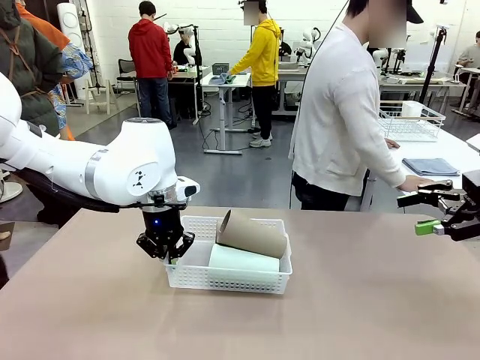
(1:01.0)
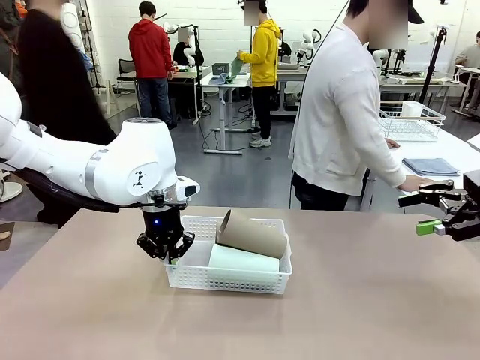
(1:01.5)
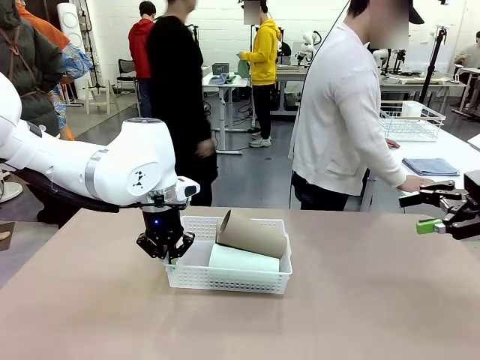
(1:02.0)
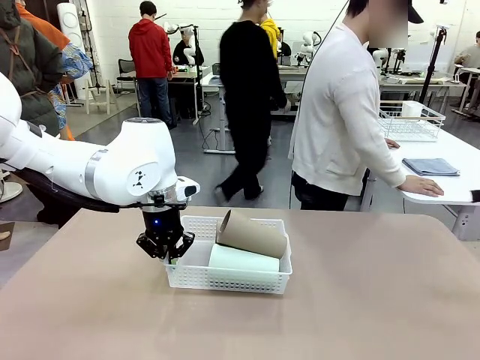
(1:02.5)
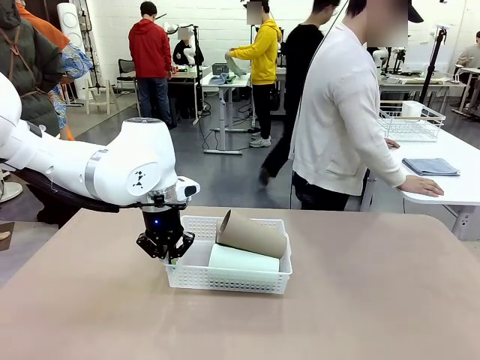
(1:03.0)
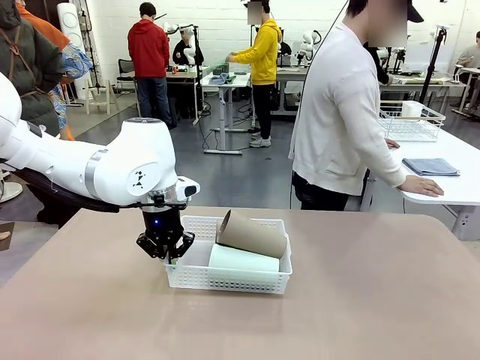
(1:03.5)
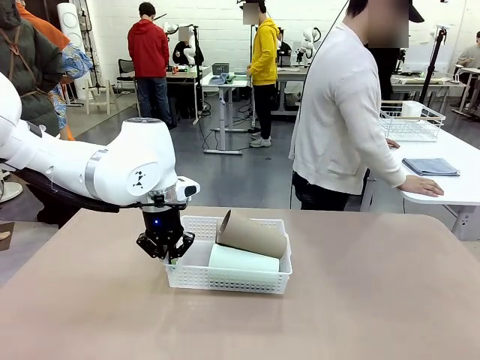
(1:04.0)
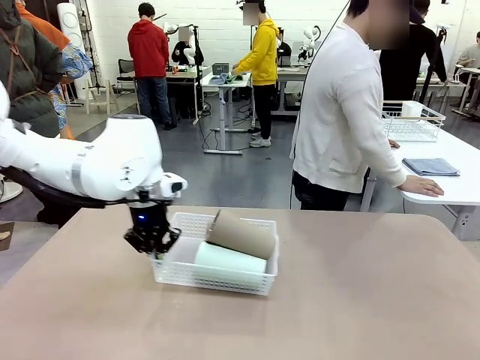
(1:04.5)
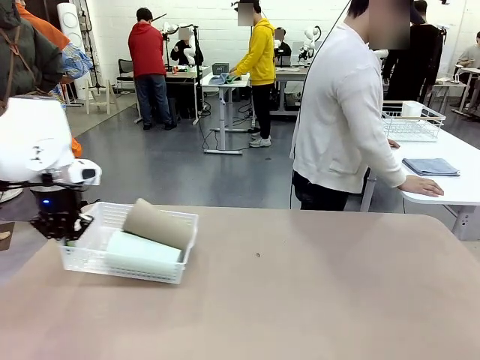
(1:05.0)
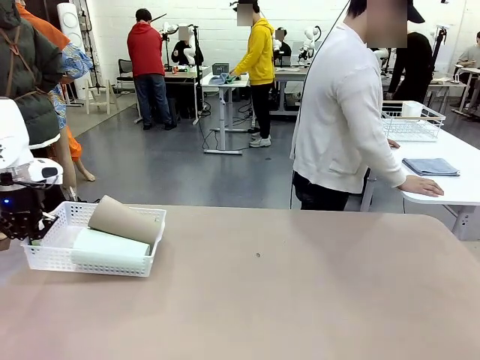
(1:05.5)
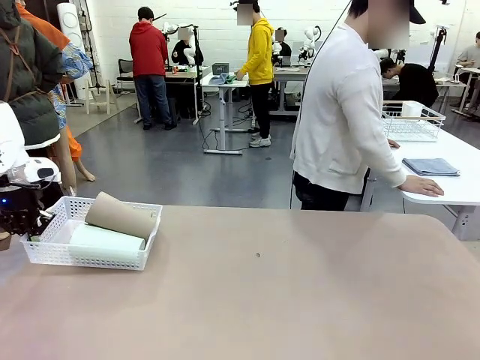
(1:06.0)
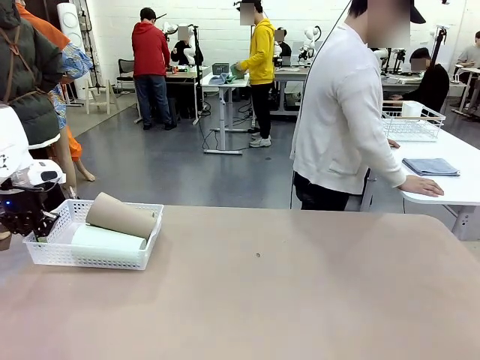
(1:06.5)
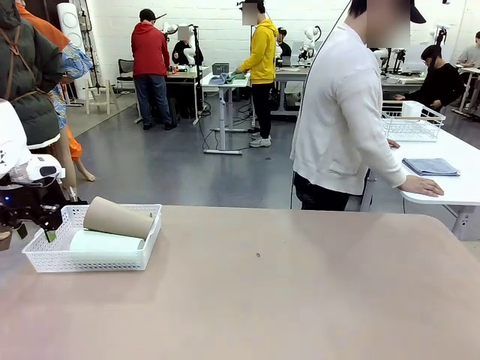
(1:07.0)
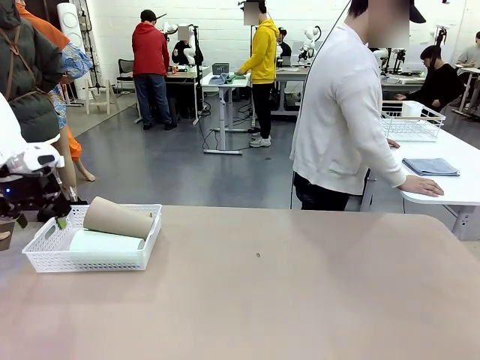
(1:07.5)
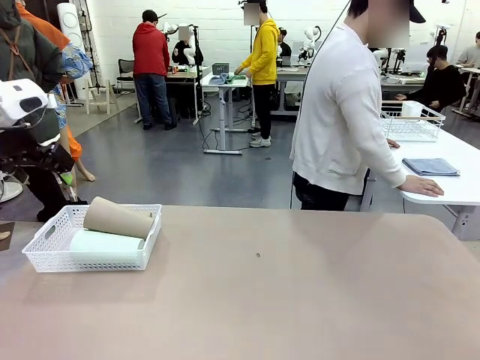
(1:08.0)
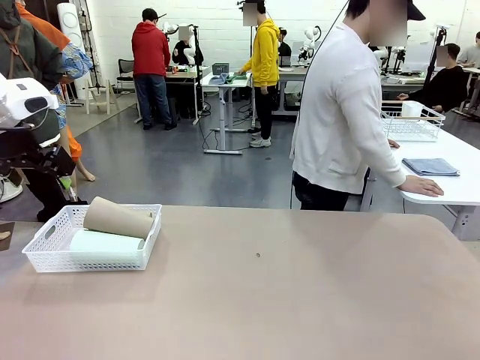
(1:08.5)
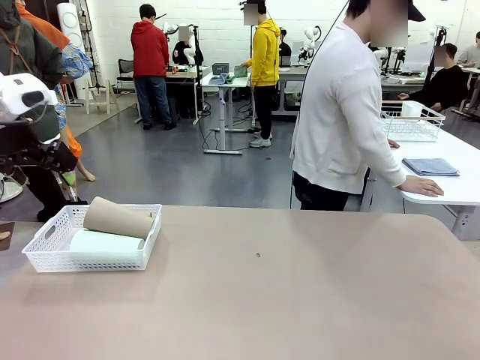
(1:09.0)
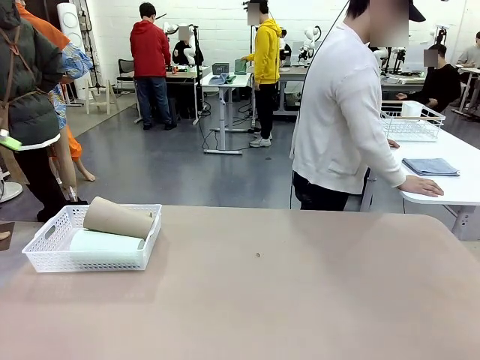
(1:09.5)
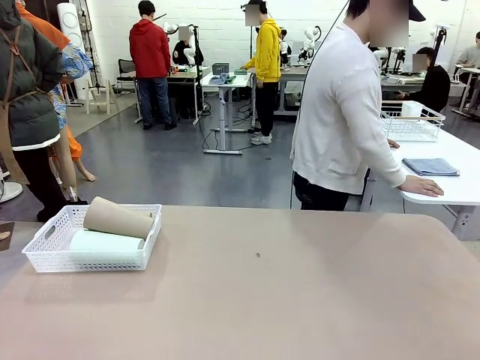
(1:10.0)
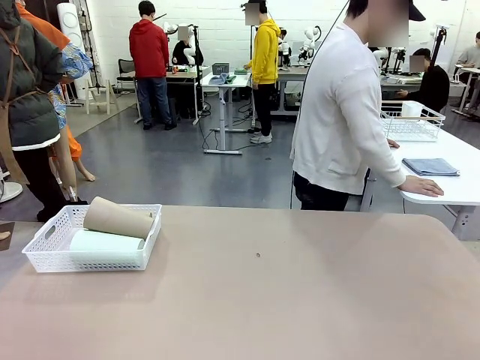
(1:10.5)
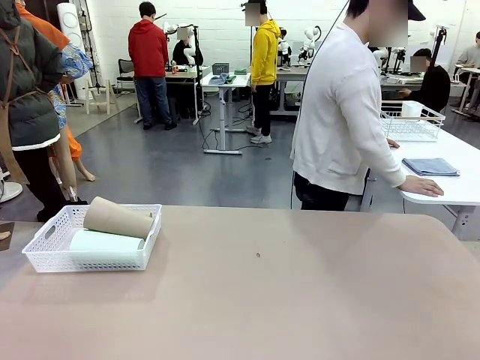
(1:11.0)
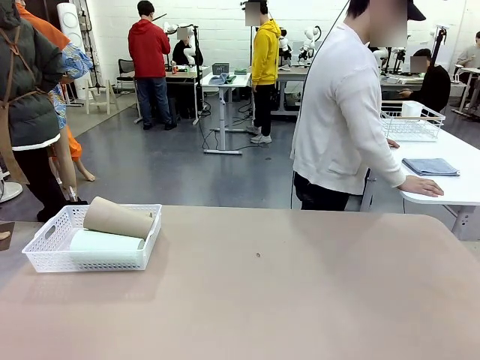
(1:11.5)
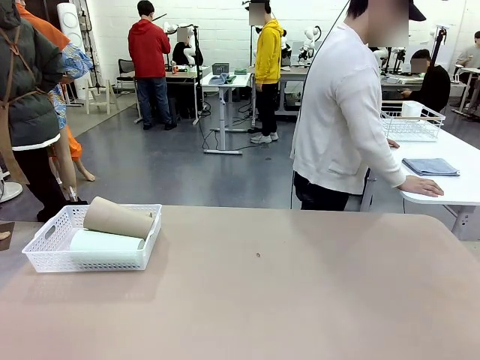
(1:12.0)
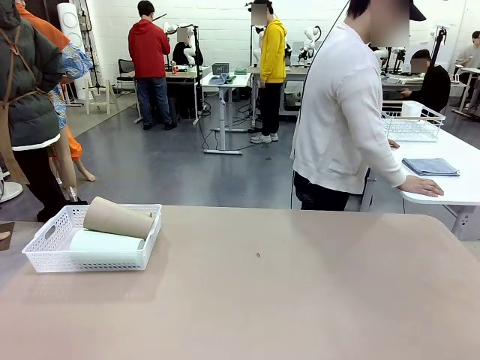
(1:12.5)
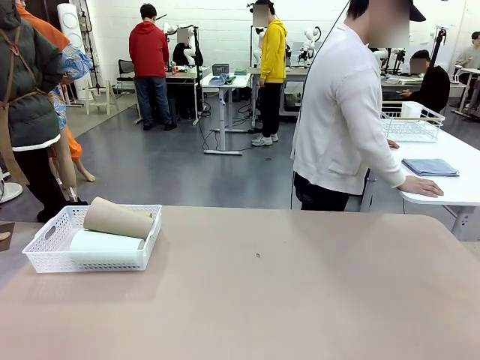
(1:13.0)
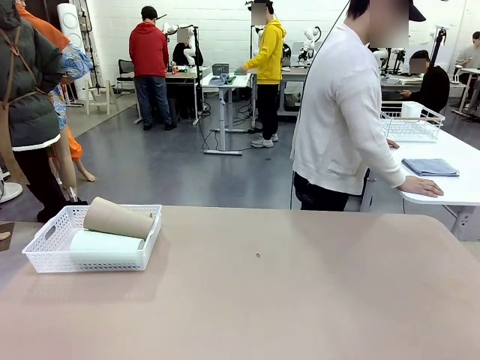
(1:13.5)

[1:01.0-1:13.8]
Task: Clean and organize the cups into the basket.
Robot: Move the Organizing basket back to the left side of the table.

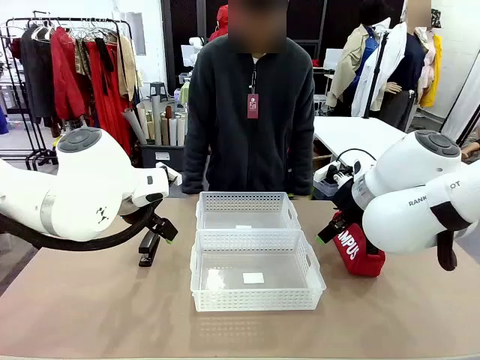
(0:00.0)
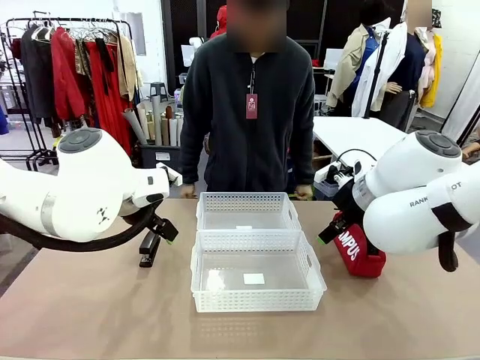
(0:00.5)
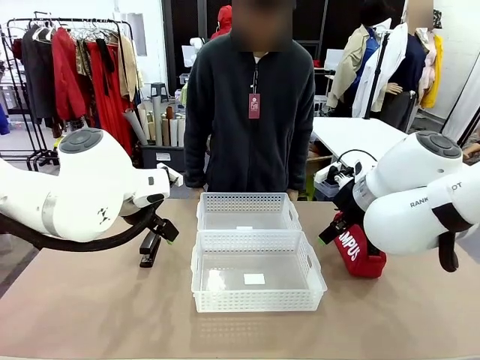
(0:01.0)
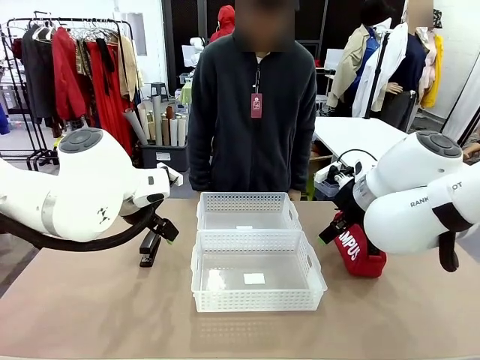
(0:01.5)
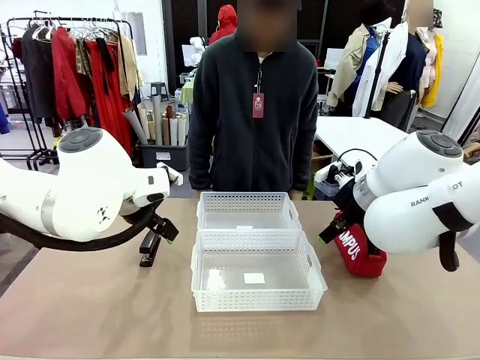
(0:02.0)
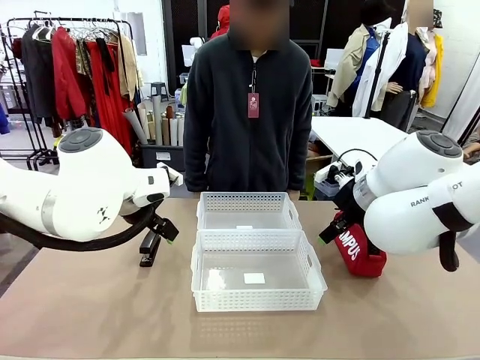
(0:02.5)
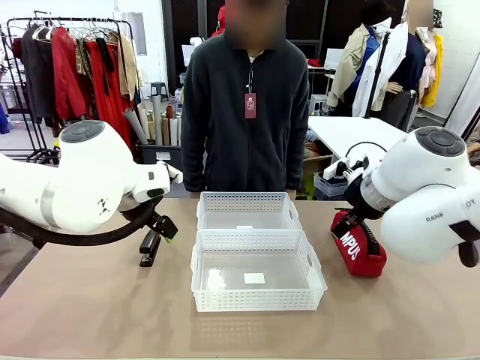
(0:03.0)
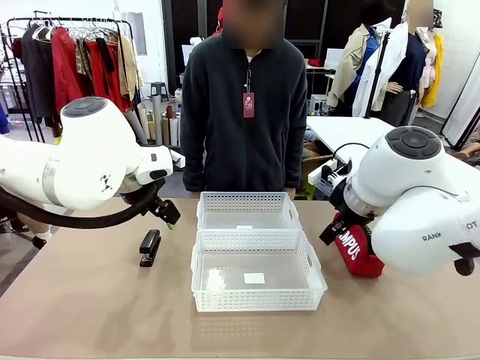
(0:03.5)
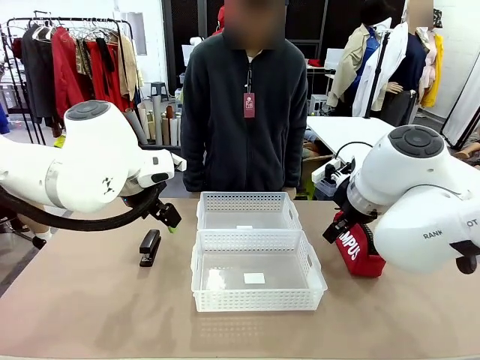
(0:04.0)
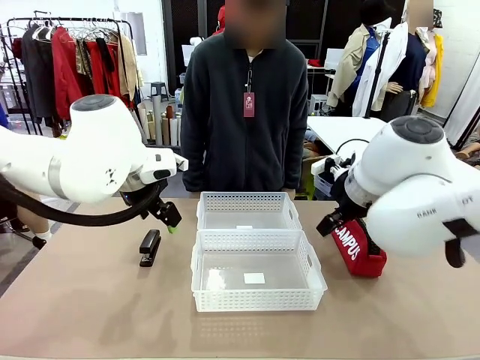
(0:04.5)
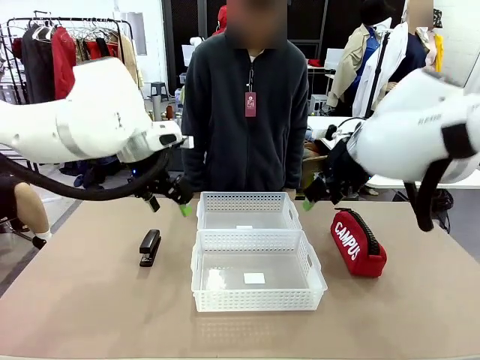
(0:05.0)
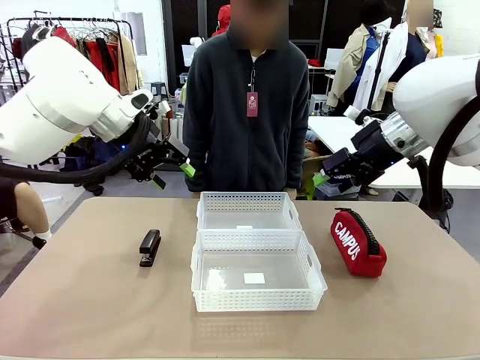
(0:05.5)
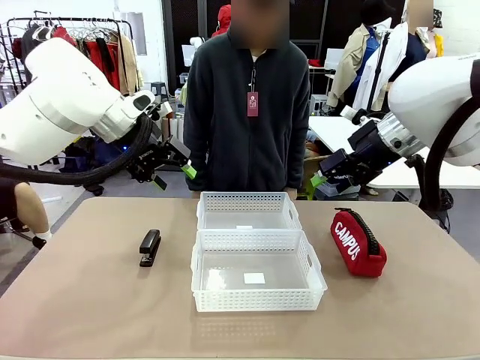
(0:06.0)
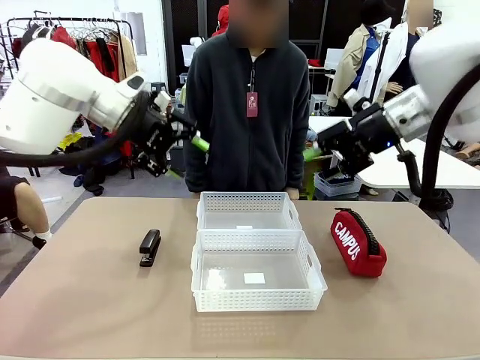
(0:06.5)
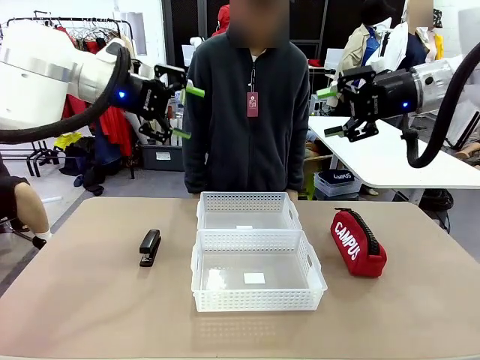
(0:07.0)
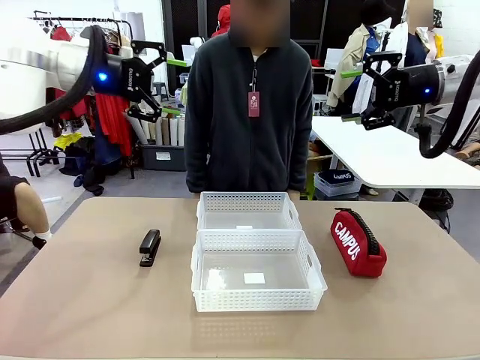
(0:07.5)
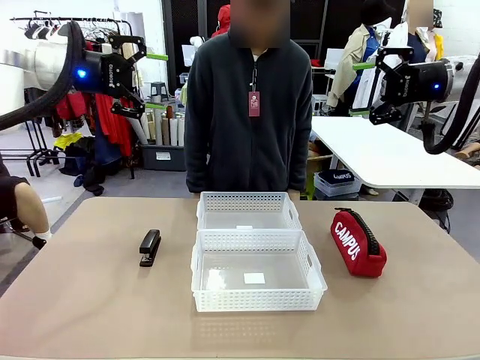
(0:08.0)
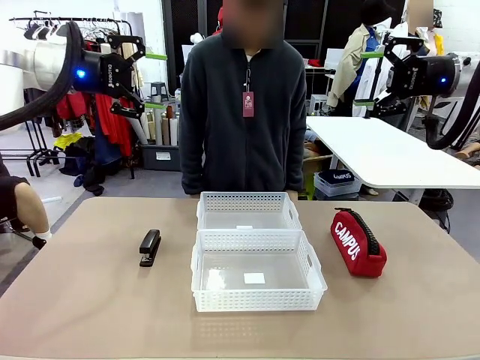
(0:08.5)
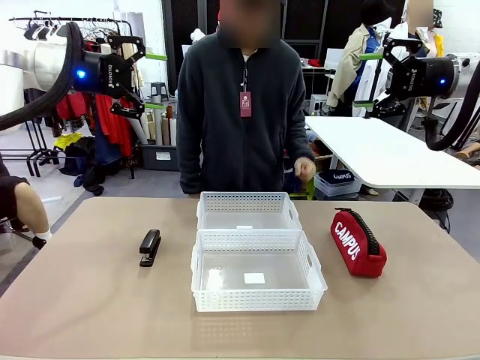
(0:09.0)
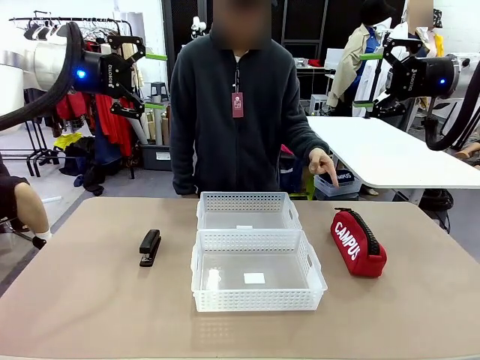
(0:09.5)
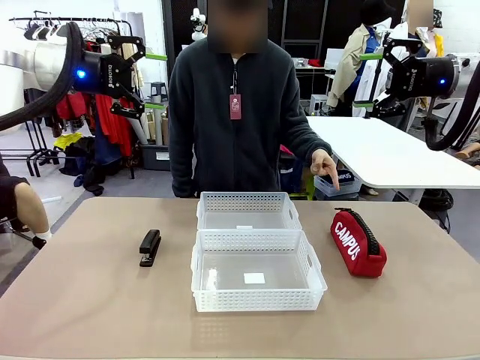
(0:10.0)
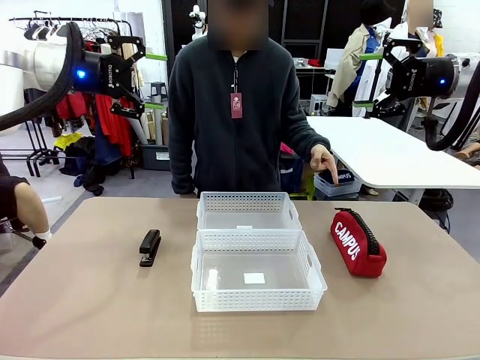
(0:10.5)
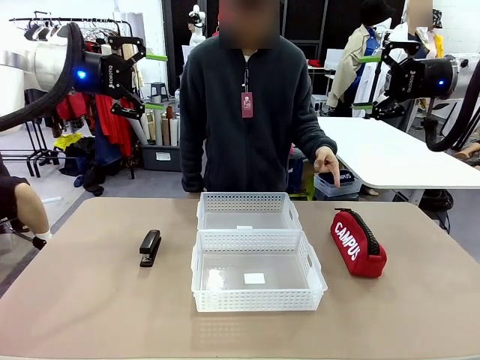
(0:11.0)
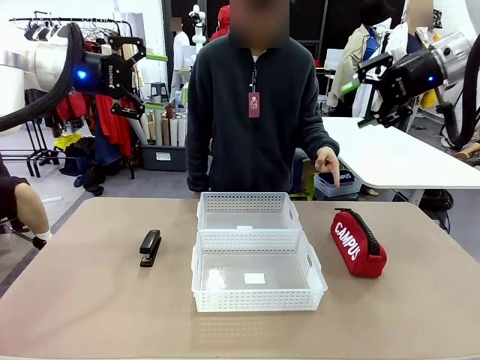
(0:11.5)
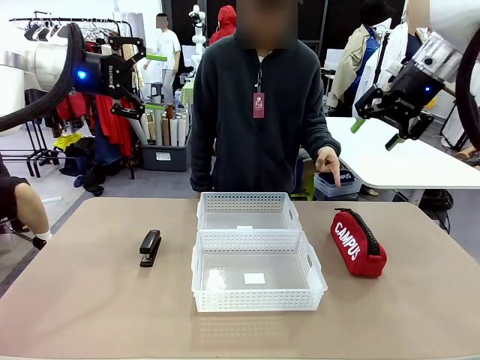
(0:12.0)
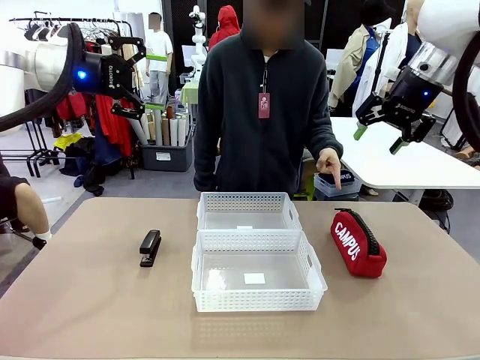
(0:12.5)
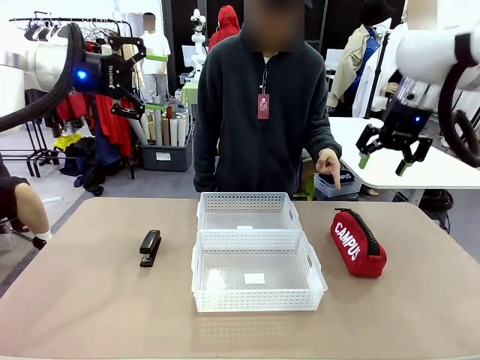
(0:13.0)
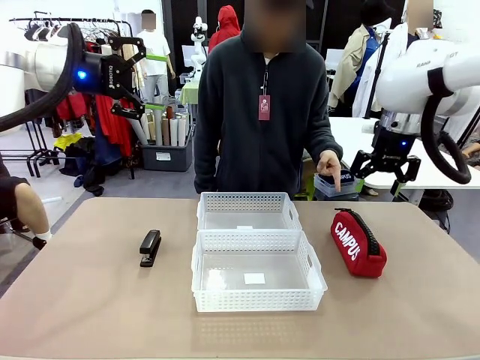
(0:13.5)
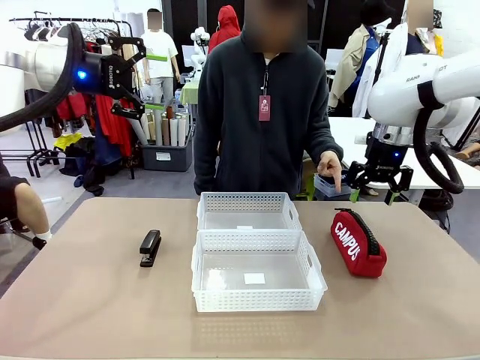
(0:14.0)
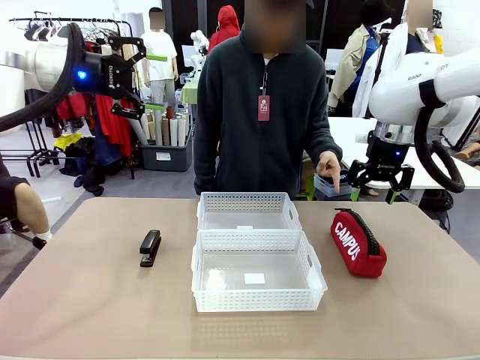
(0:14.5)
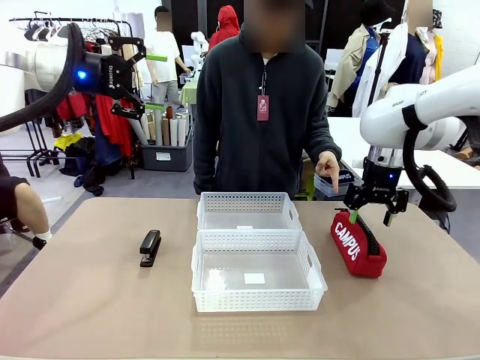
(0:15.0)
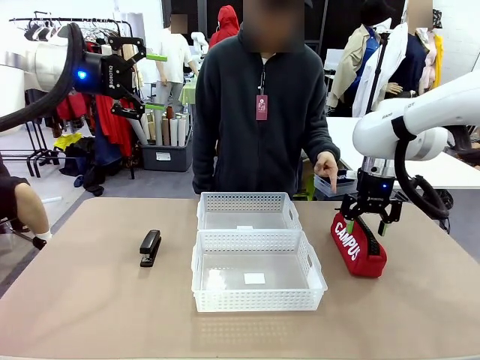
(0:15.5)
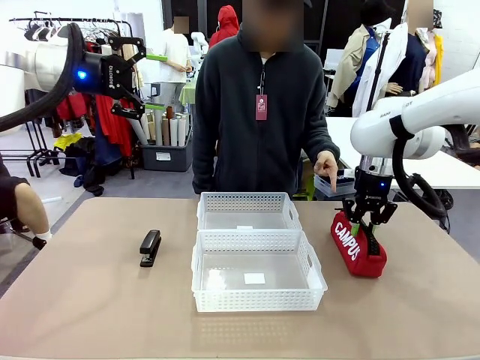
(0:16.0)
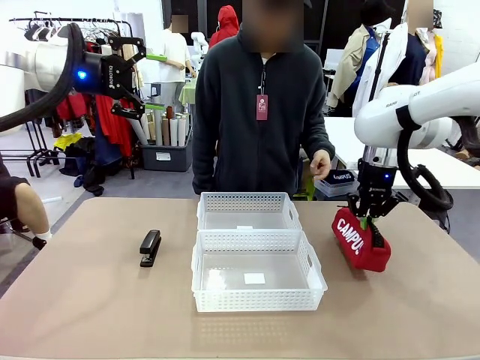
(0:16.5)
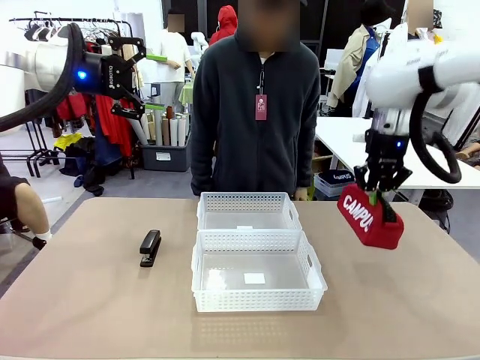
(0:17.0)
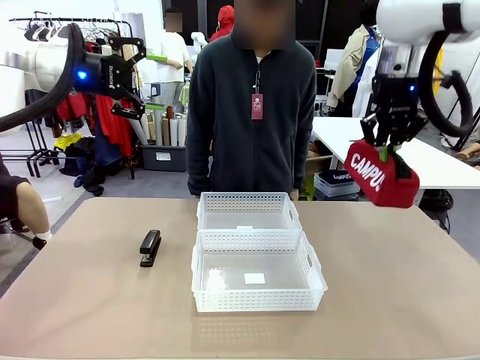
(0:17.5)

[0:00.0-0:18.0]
Task: Distribute items into two baskets.
Robot: Pick up the Pencil pouch that the person points to.
Person: Points to the pencil case. Points between the two organizing baskets and instructs the robot to move the pencil case.
